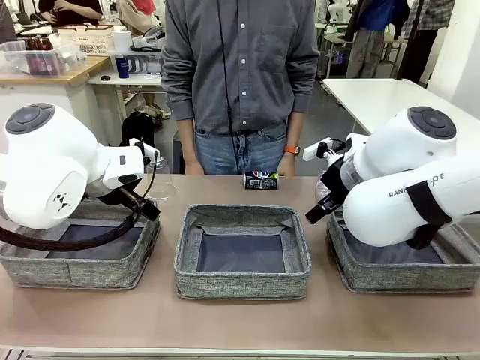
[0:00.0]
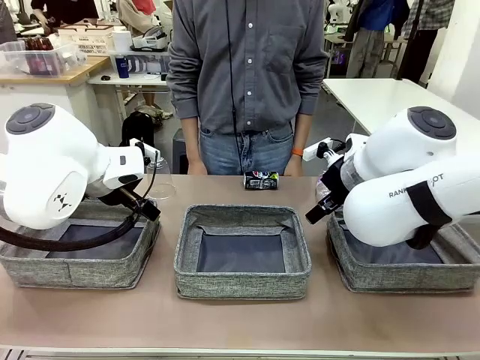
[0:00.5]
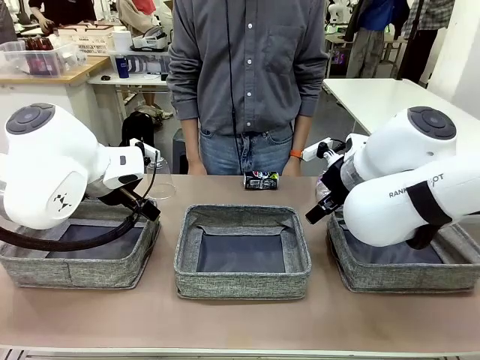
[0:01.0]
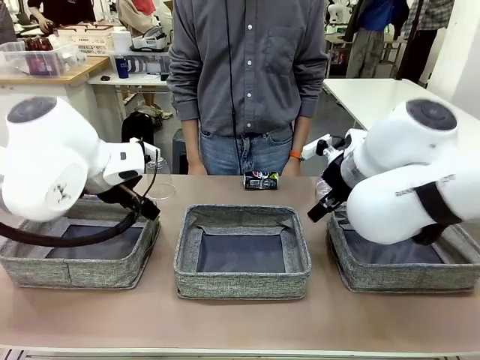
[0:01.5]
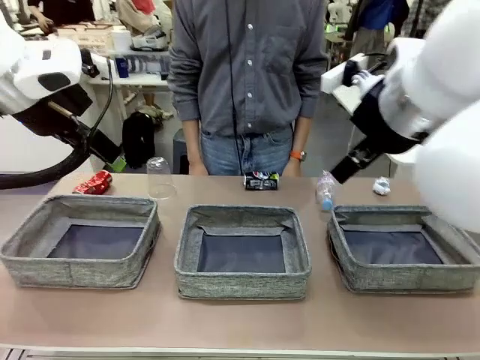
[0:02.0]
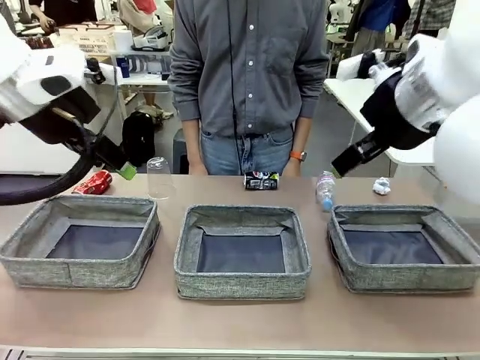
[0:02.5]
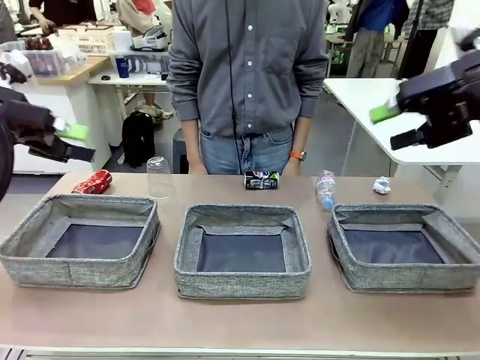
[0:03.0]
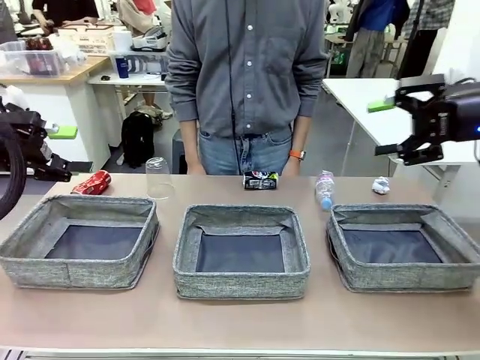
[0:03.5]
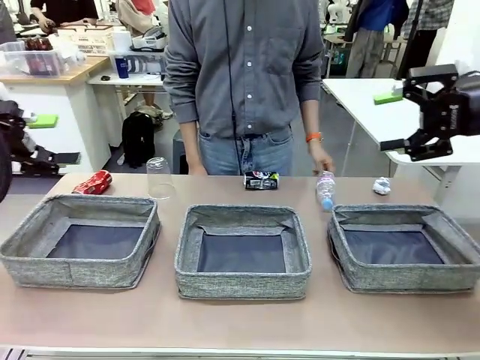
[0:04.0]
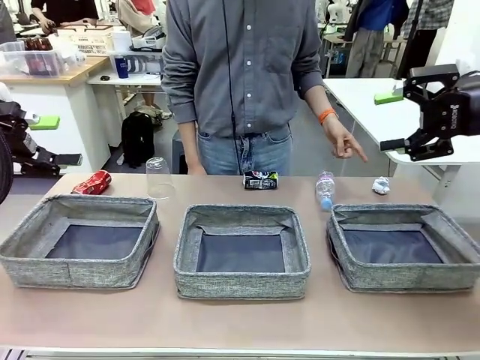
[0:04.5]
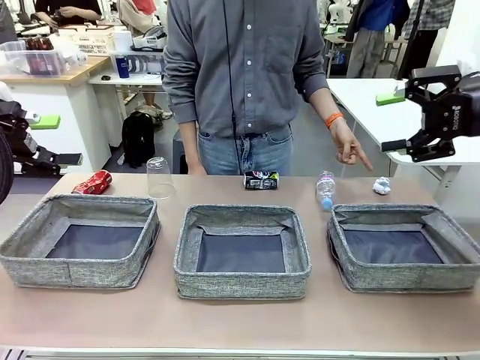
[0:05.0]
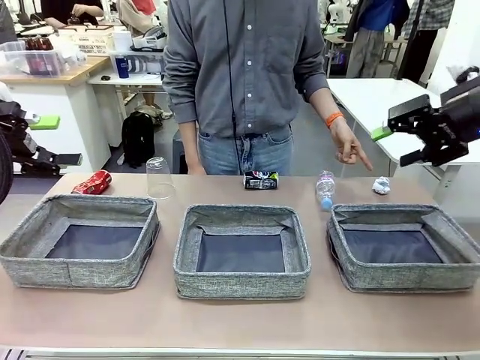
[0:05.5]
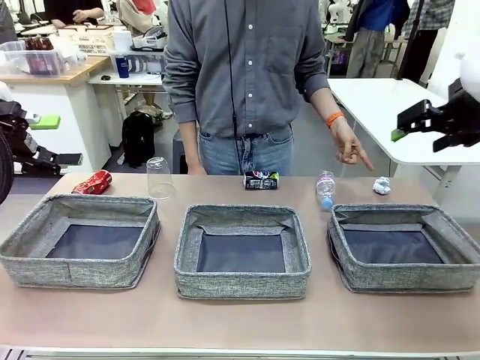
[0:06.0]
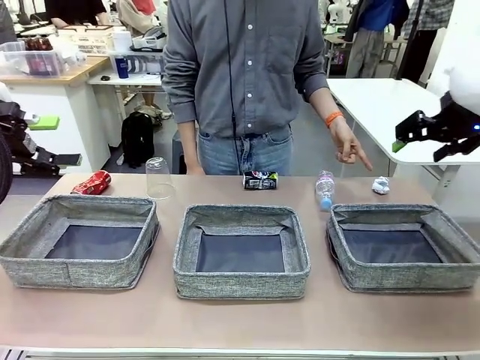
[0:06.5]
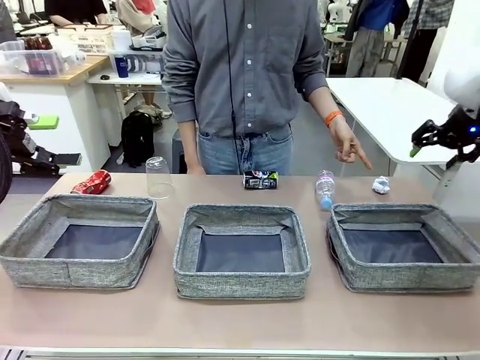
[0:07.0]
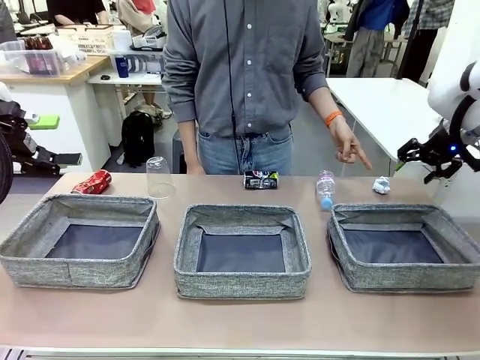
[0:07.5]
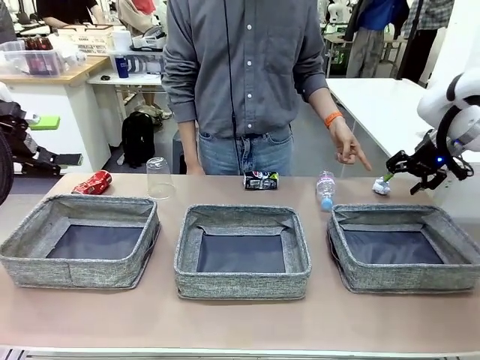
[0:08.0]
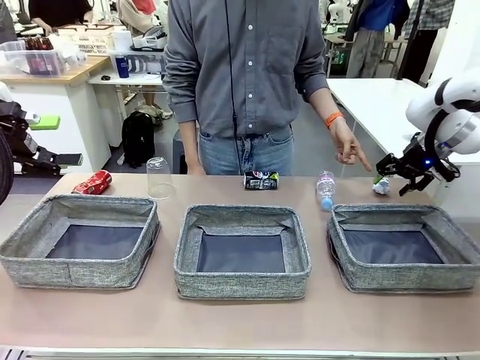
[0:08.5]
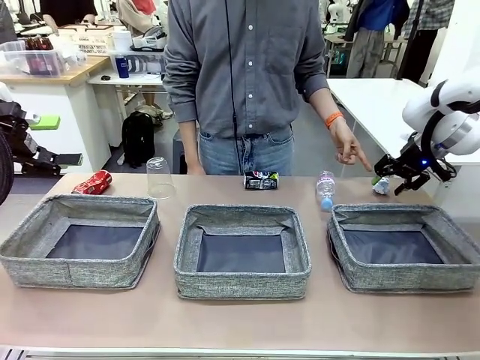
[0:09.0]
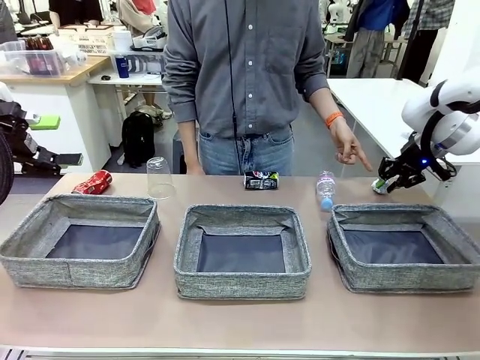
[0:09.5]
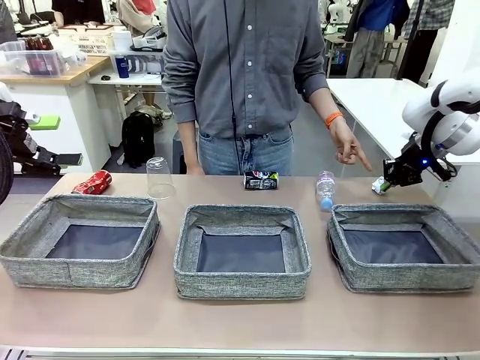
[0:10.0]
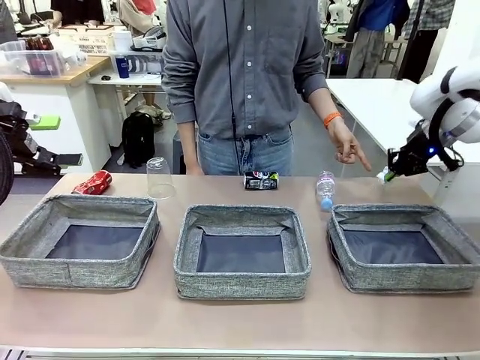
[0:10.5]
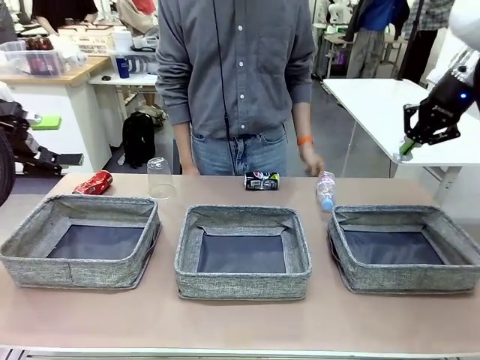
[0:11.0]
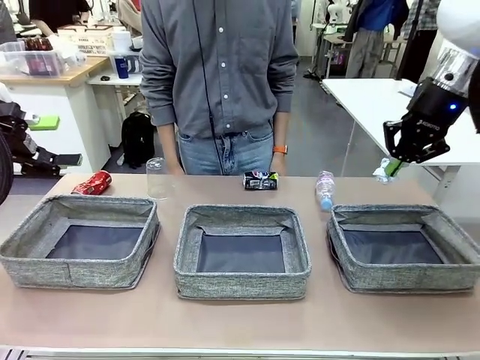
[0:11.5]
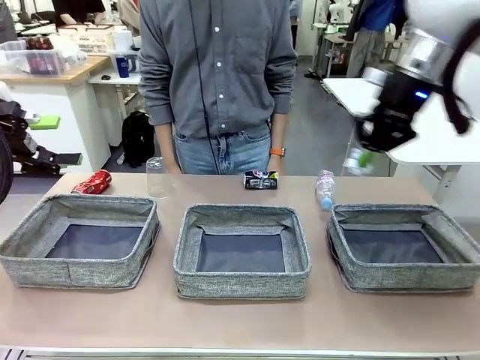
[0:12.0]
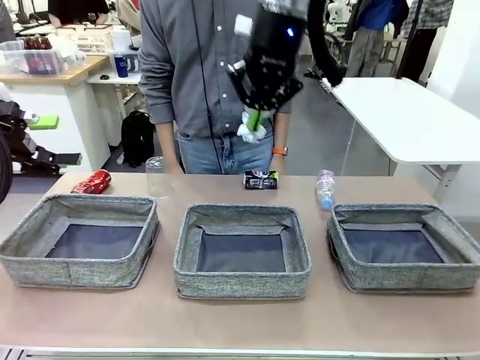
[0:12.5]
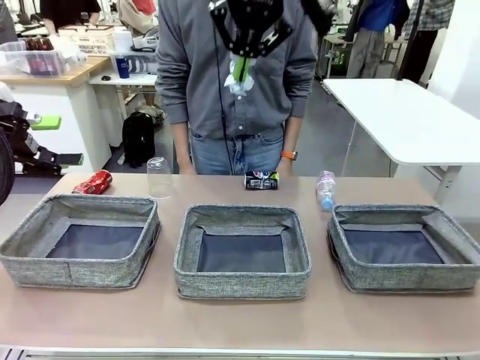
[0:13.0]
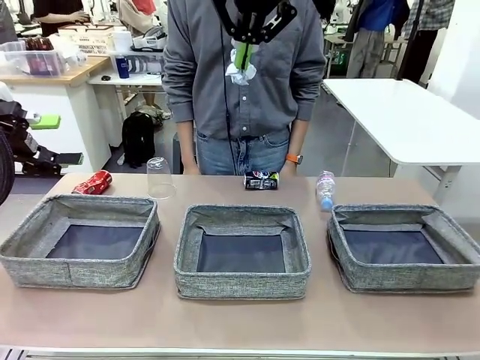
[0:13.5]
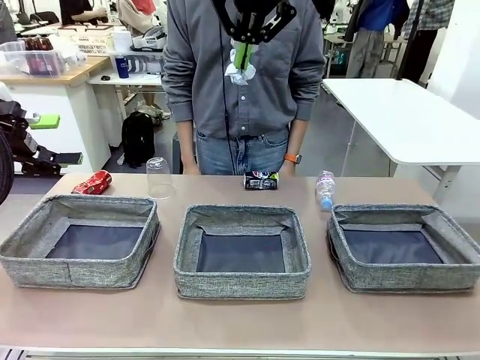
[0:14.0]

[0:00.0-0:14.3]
Task: Sort the waste into the appropriate baskets.
Robot: Pick up the waste item pointed out by the person.
Person: Points to one piece of trash on the table.

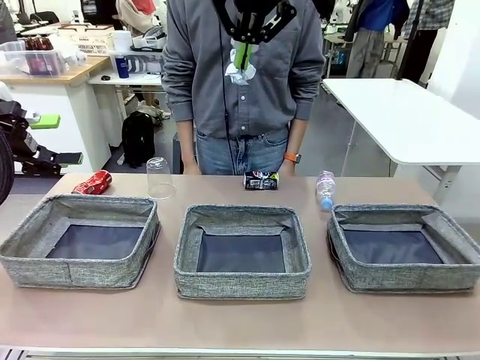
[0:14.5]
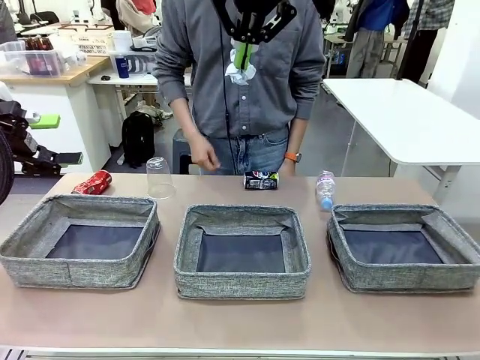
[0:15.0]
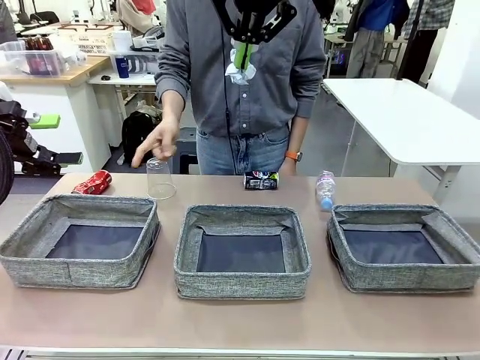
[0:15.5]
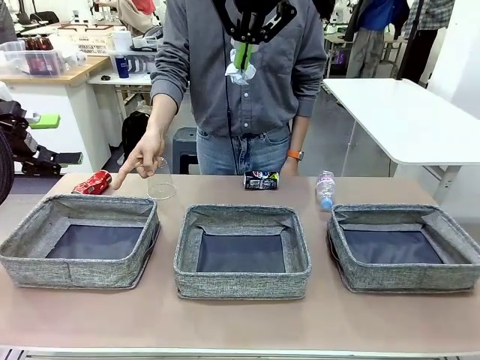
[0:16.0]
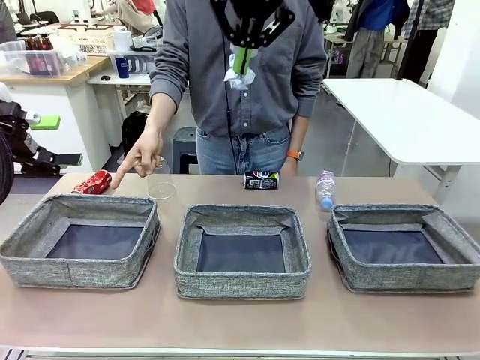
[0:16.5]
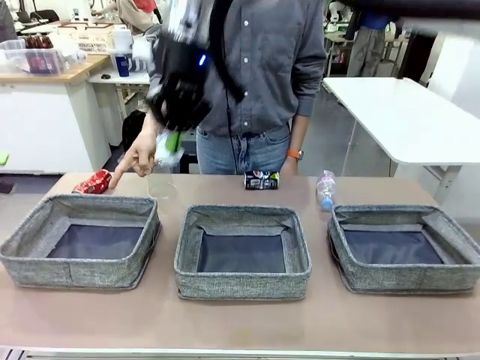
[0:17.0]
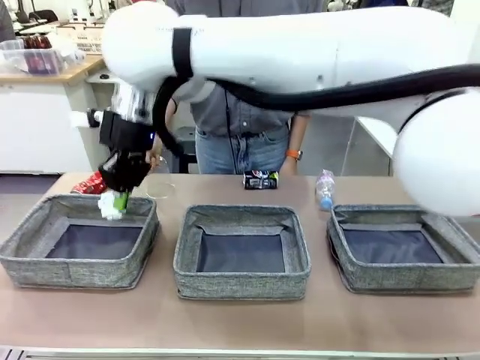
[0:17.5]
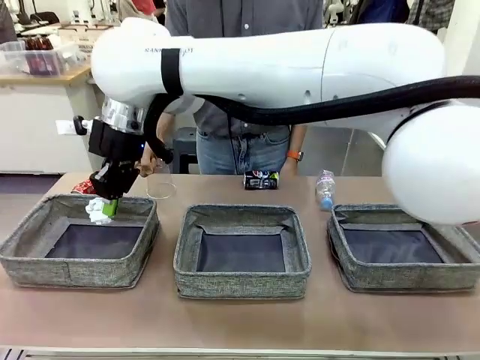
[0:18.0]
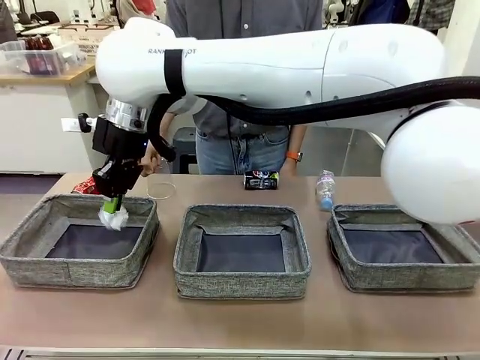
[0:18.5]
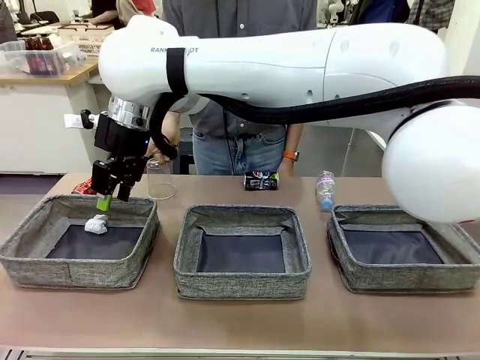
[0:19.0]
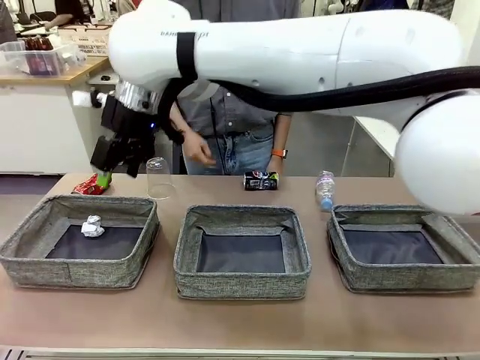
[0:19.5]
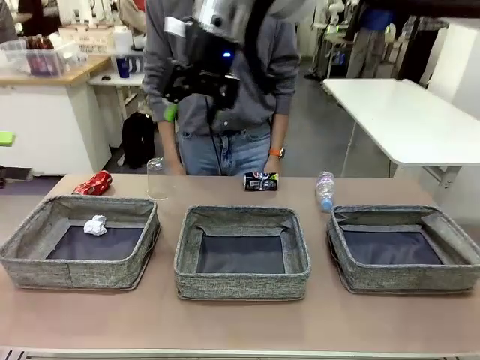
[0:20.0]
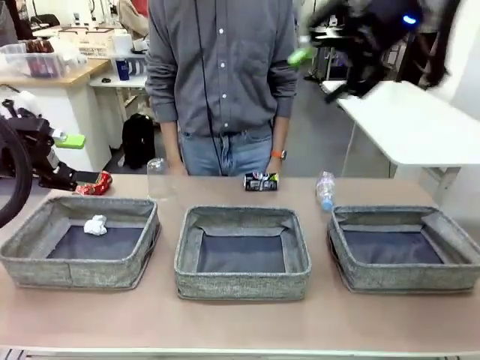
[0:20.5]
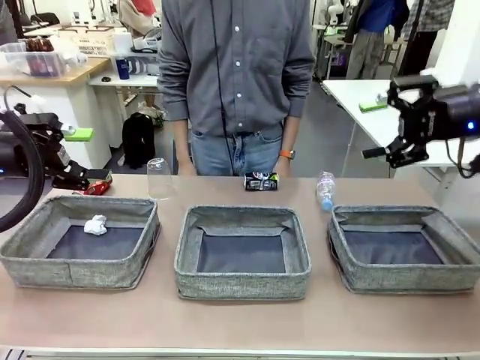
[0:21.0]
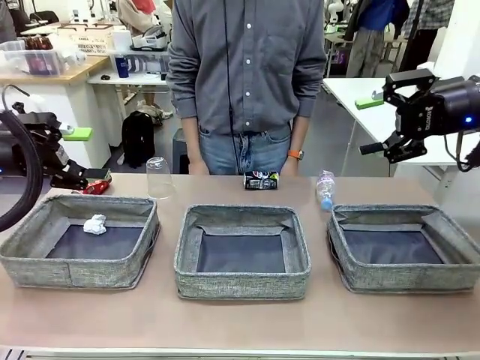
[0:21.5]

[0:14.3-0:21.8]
Robot: Place the picked waste into the Fabric basket indicated by the person.
Person: Instructs the robot to place the picked-up trash into the appropriate organizing basket.
